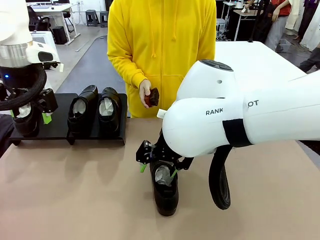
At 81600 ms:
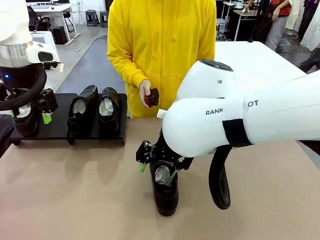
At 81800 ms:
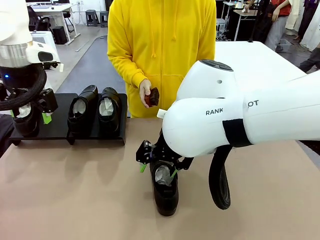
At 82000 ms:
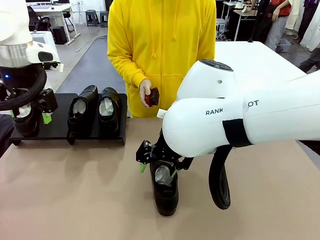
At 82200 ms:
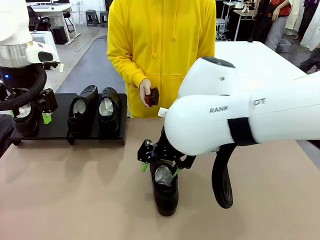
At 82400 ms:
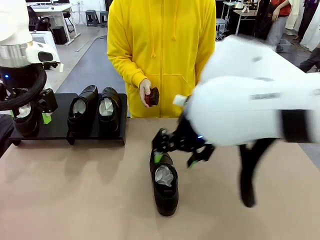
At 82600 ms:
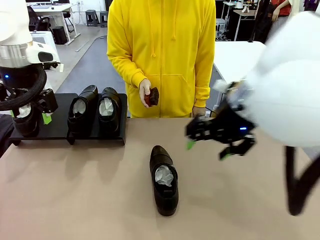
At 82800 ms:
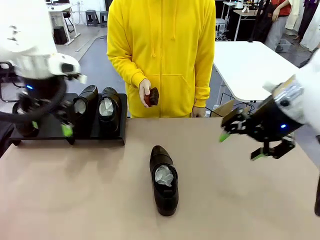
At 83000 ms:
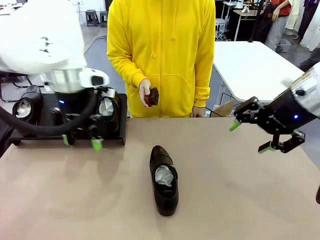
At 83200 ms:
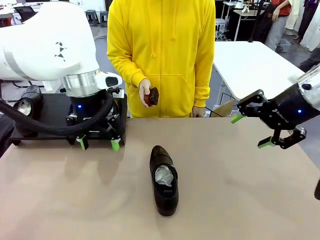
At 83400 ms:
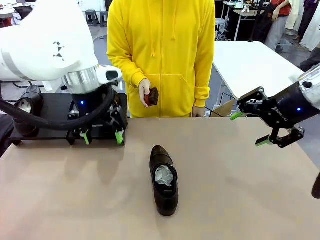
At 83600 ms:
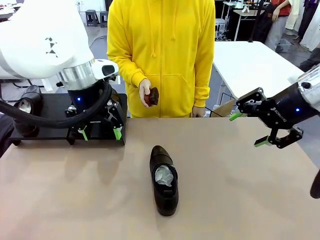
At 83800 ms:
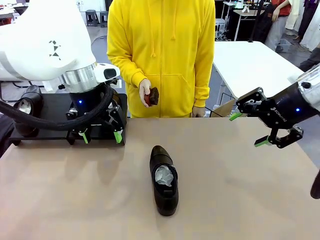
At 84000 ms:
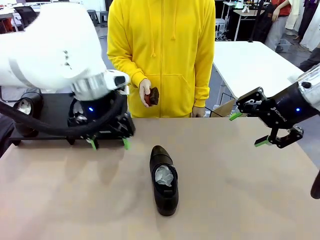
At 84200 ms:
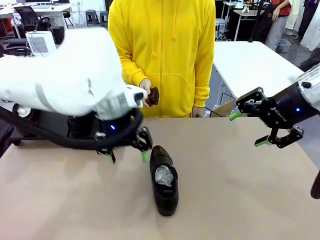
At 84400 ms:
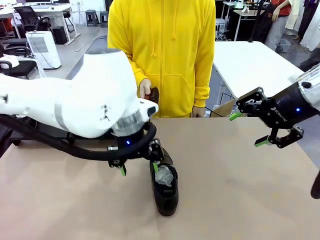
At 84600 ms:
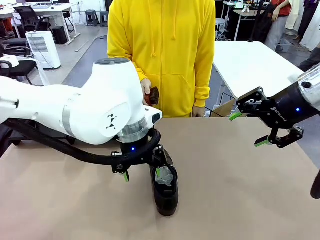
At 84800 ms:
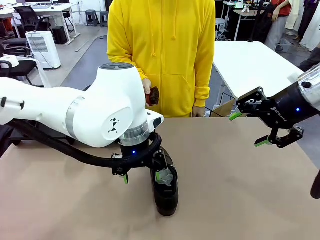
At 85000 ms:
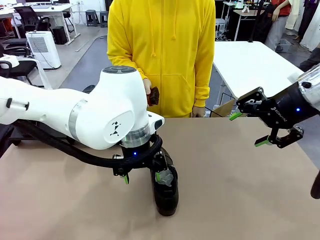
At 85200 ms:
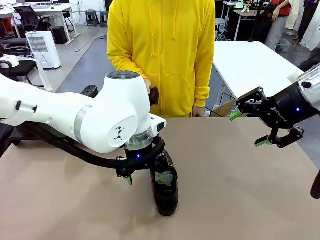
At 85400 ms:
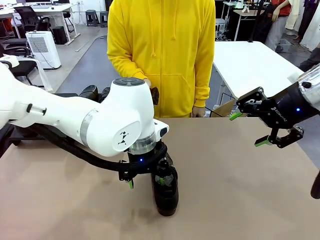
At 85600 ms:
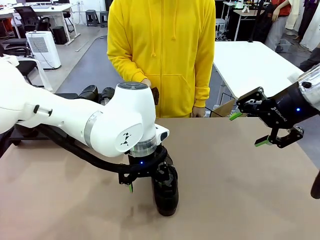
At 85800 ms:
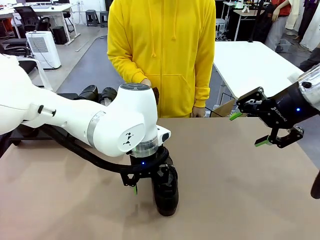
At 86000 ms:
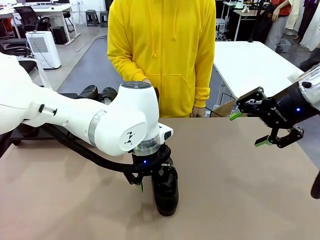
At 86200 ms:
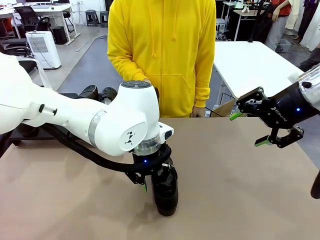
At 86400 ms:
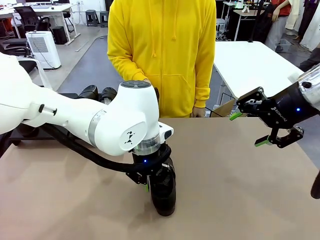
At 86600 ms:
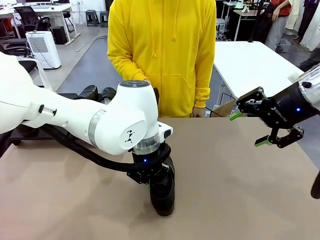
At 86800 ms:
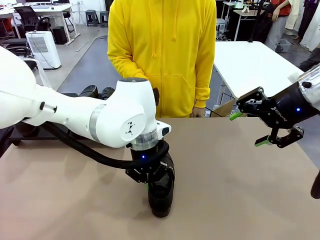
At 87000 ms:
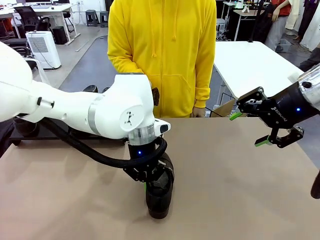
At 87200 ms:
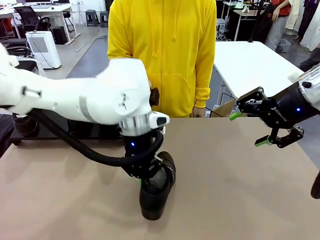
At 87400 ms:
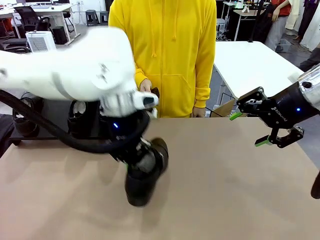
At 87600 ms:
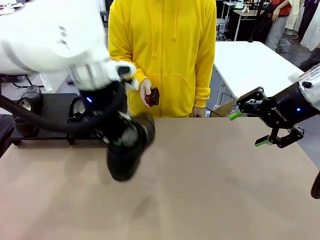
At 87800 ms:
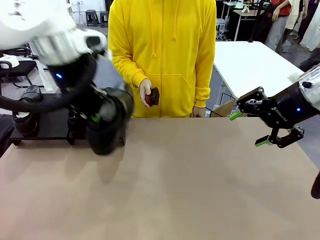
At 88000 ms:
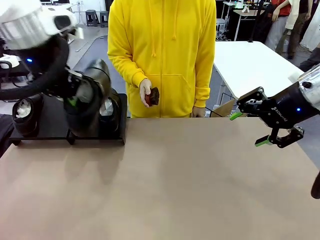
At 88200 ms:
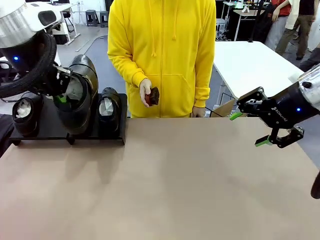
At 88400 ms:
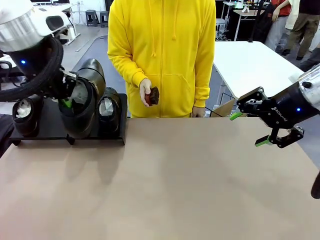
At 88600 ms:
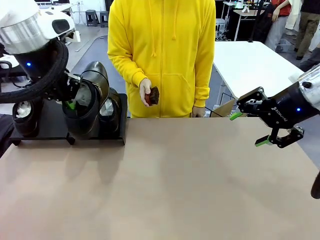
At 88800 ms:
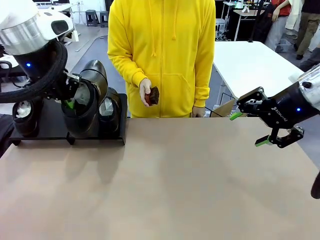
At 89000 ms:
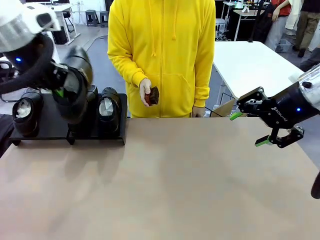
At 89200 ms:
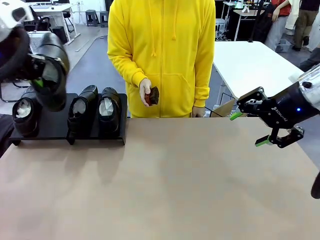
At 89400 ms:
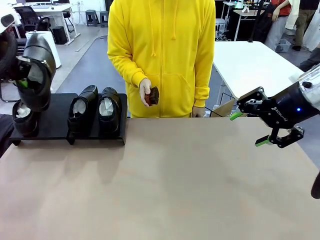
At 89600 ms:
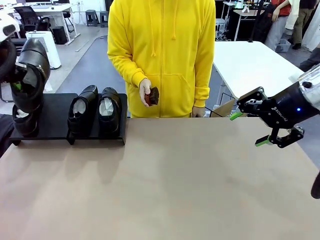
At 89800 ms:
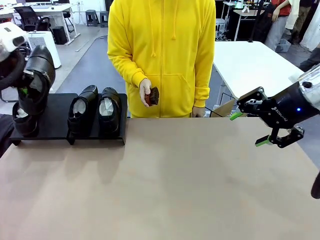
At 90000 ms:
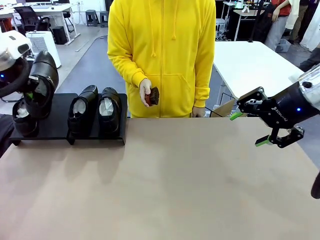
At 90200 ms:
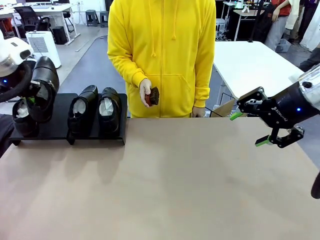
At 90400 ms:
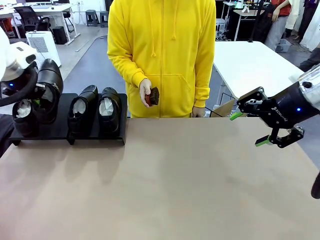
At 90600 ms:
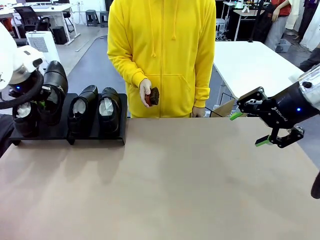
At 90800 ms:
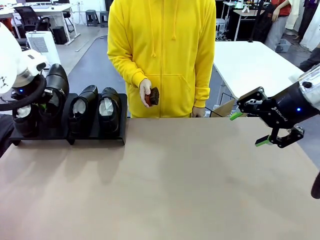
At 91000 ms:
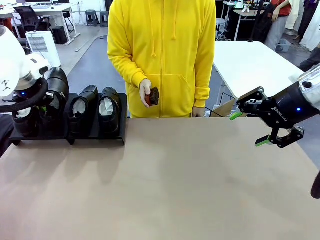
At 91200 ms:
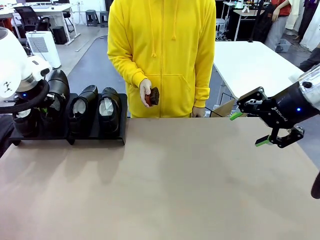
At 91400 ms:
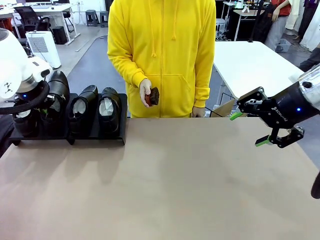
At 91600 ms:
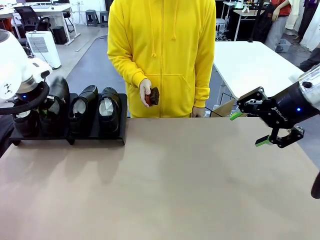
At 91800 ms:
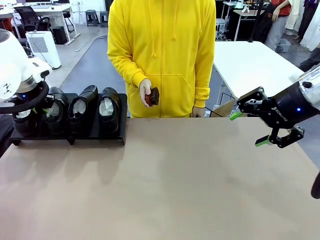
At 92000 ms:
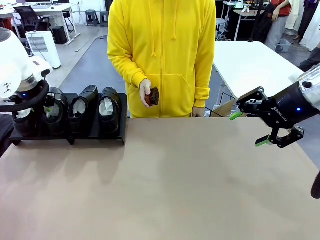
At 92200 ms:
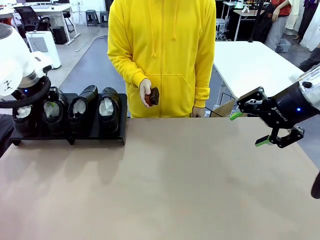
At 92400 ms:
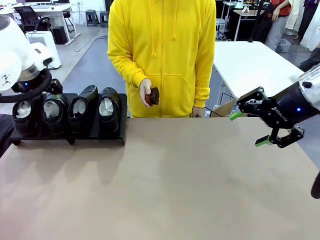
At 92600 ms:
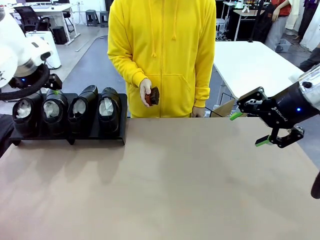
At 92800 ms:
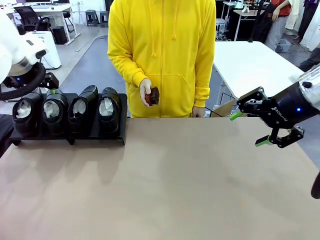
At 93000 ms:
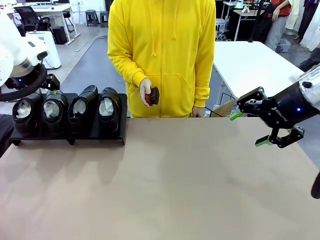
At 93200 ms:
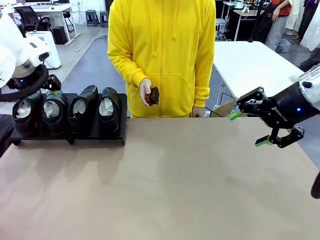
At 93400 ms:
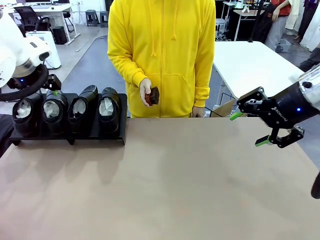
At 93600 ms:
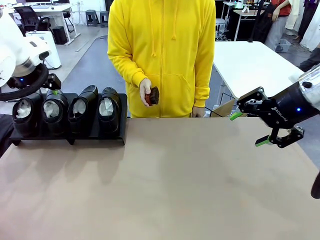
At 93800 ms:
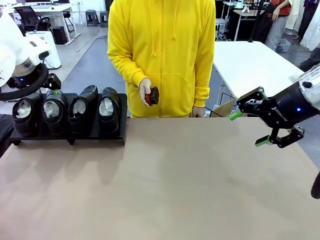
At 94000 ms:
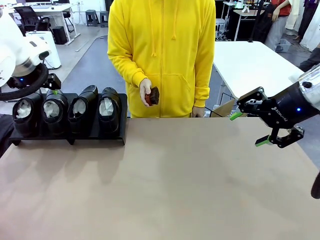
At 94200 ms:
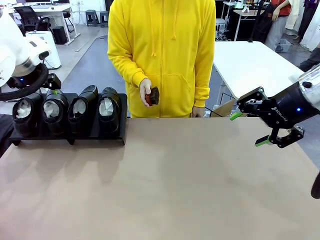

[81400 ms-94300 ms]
Task: Organize the shoes by placing them on the stand.
Robot: Place the Shoe from the middle of the table onto the Shoes Stand.
